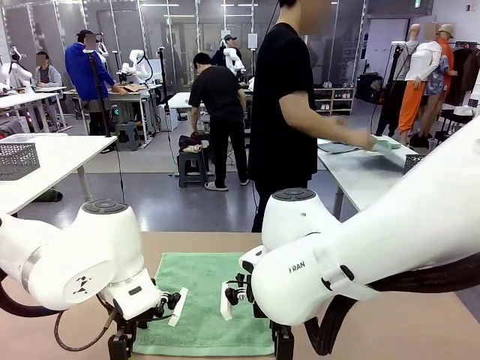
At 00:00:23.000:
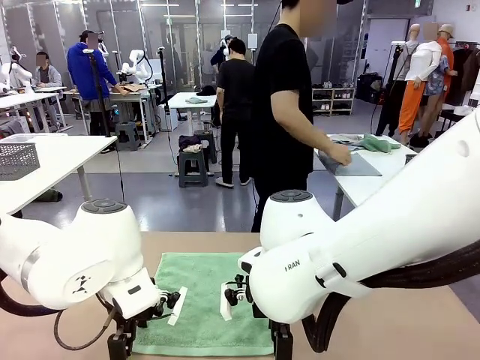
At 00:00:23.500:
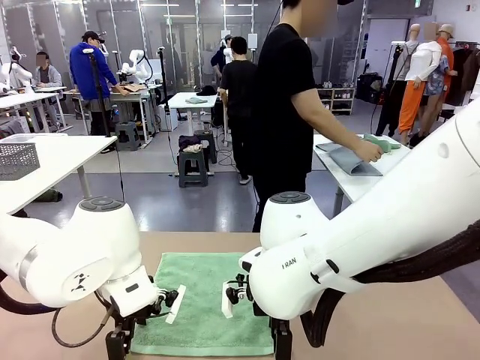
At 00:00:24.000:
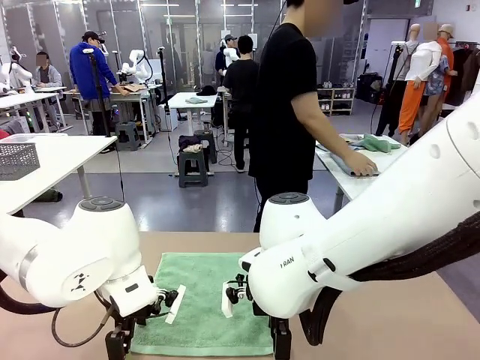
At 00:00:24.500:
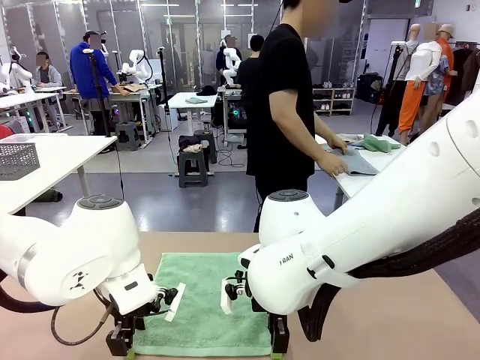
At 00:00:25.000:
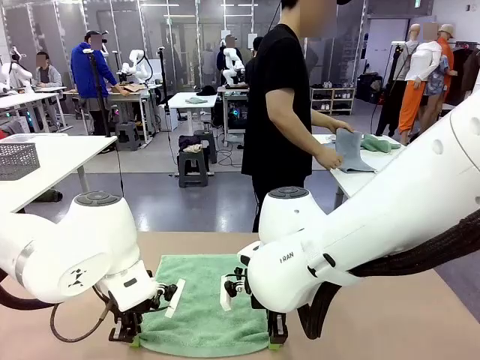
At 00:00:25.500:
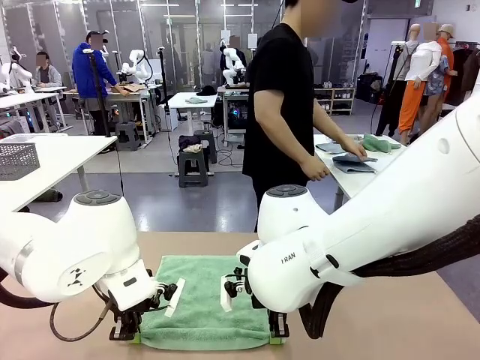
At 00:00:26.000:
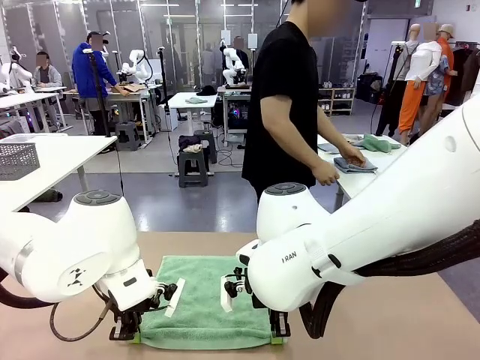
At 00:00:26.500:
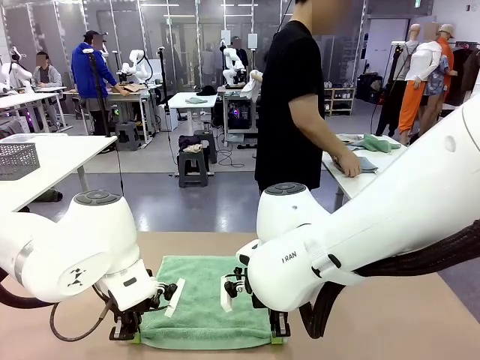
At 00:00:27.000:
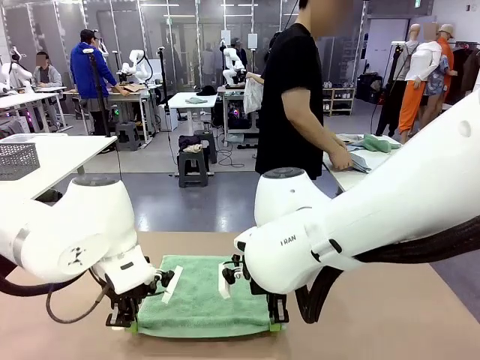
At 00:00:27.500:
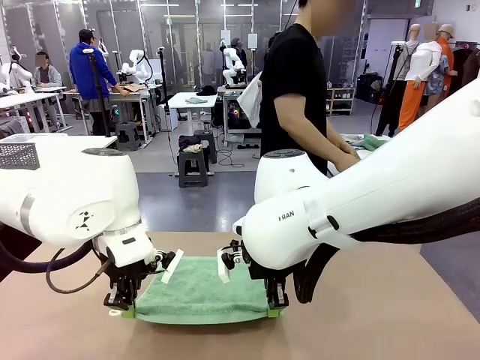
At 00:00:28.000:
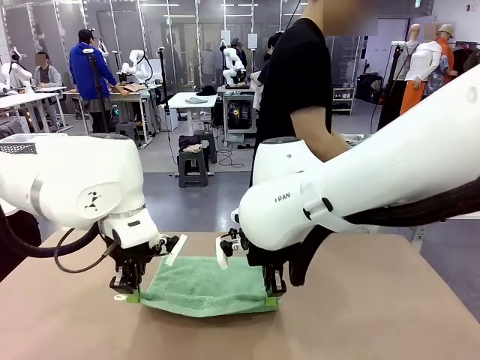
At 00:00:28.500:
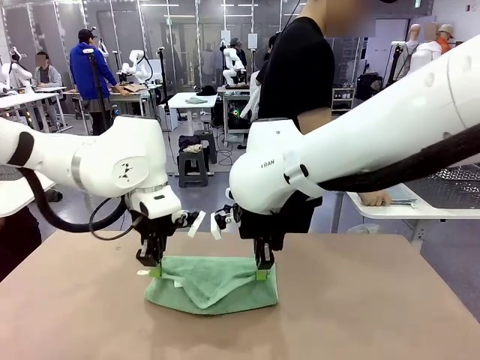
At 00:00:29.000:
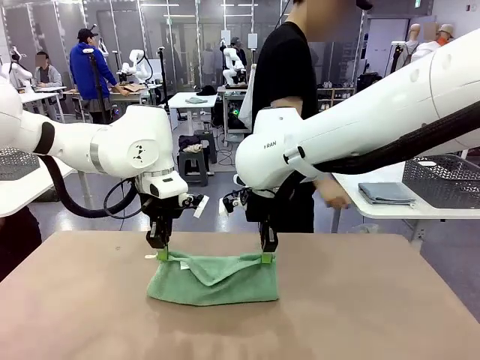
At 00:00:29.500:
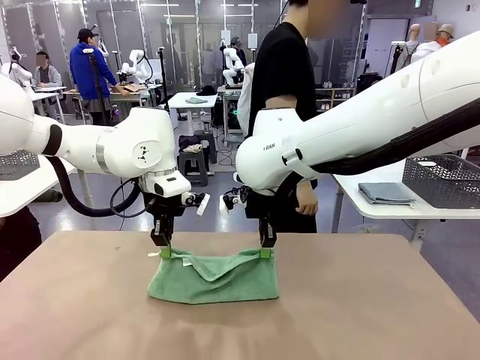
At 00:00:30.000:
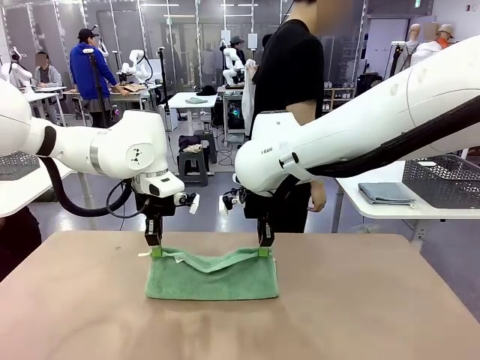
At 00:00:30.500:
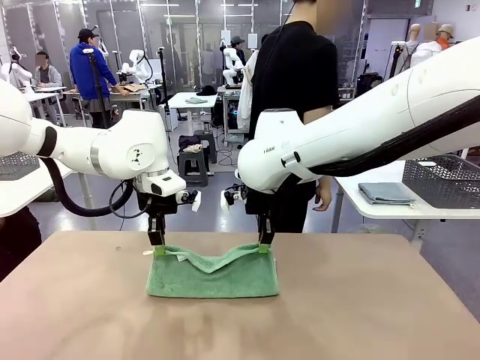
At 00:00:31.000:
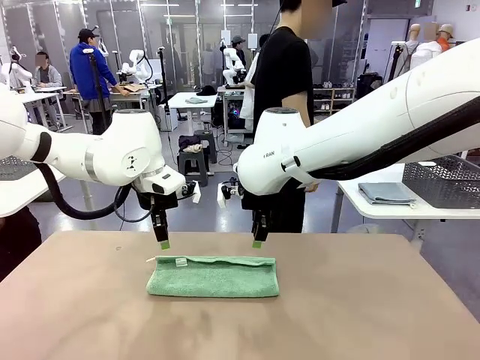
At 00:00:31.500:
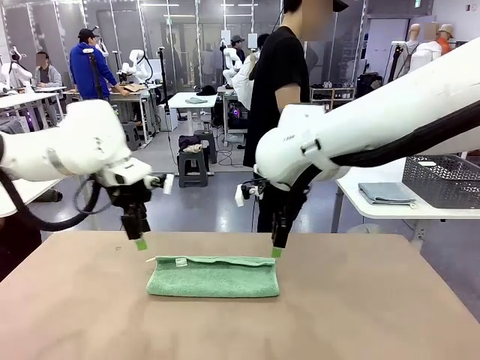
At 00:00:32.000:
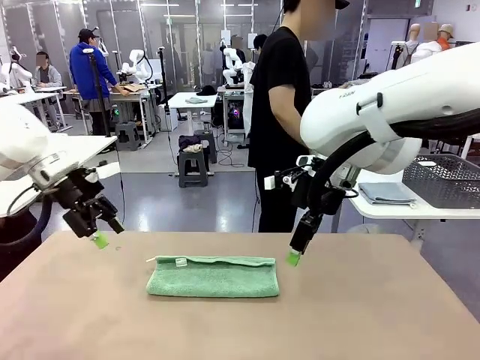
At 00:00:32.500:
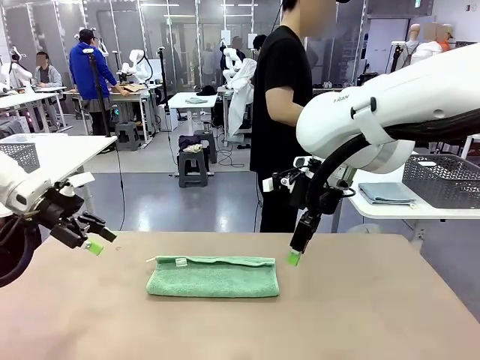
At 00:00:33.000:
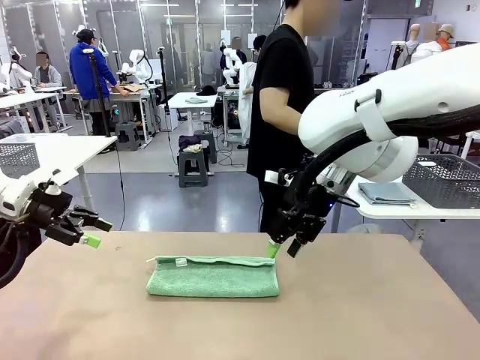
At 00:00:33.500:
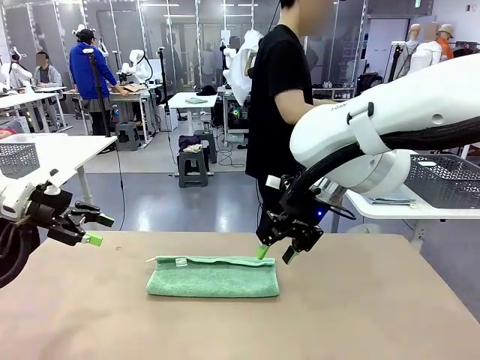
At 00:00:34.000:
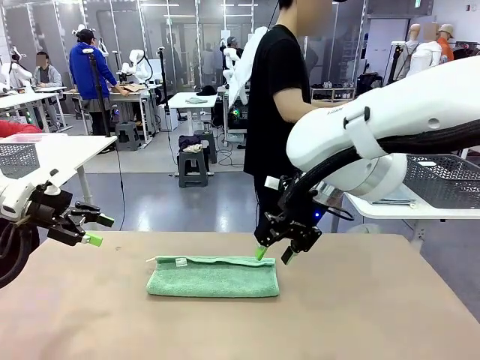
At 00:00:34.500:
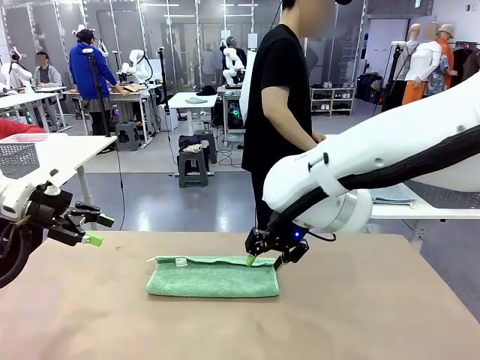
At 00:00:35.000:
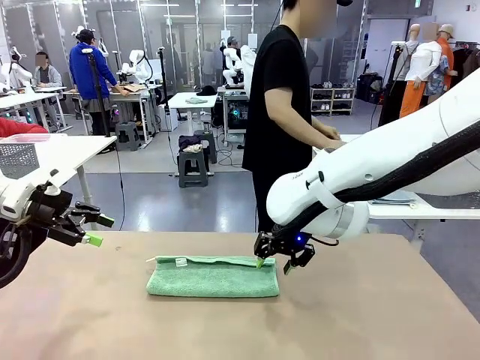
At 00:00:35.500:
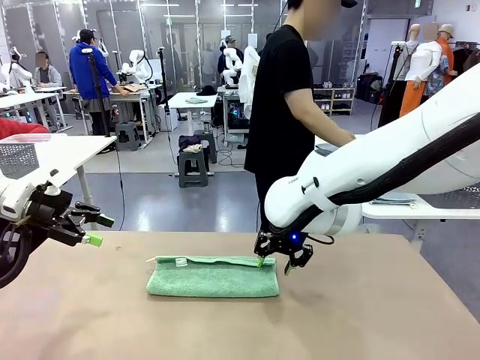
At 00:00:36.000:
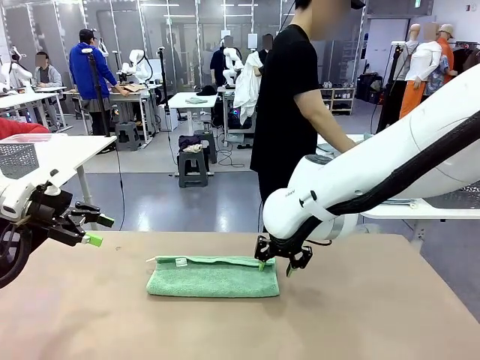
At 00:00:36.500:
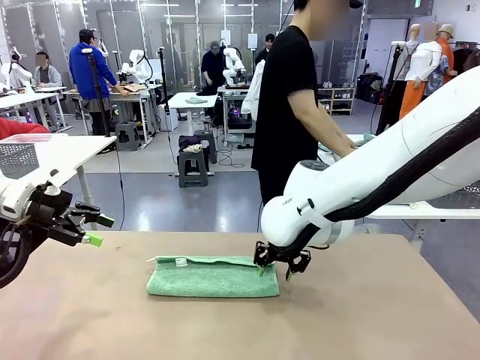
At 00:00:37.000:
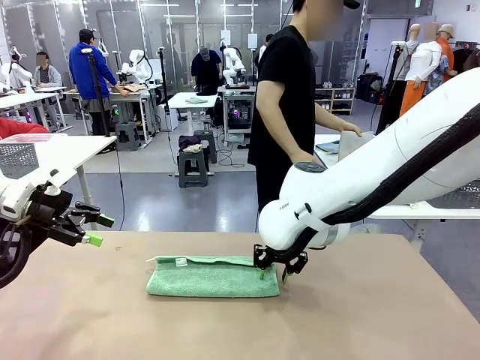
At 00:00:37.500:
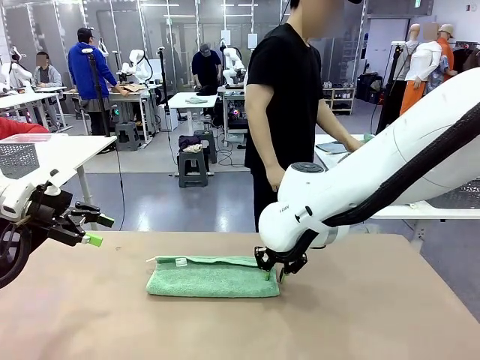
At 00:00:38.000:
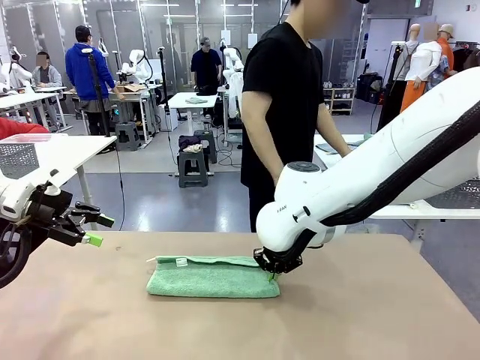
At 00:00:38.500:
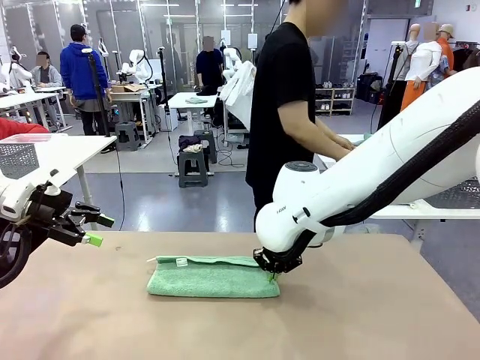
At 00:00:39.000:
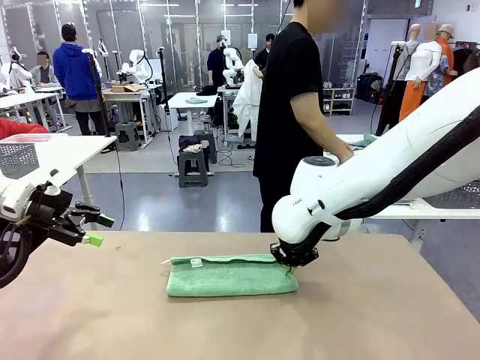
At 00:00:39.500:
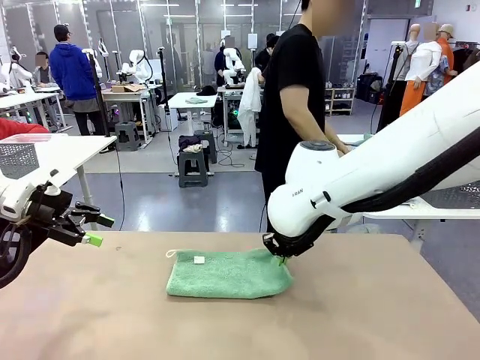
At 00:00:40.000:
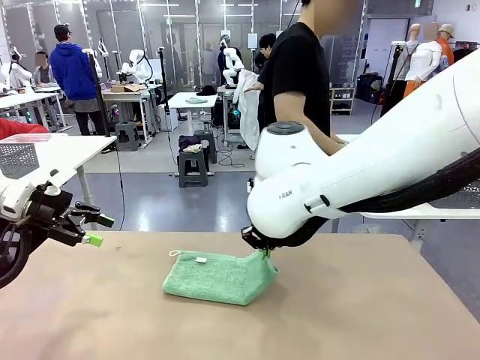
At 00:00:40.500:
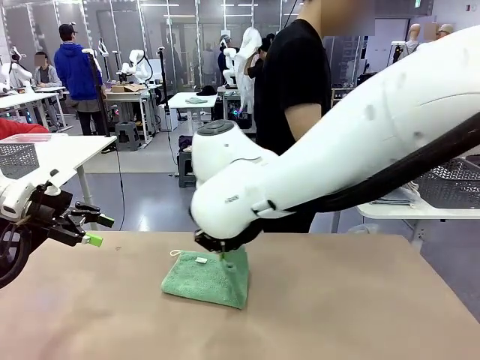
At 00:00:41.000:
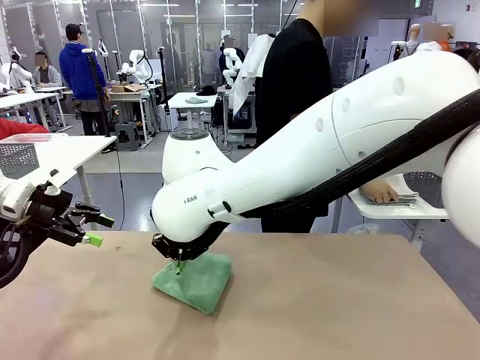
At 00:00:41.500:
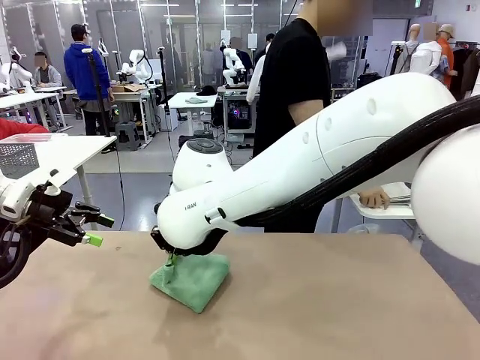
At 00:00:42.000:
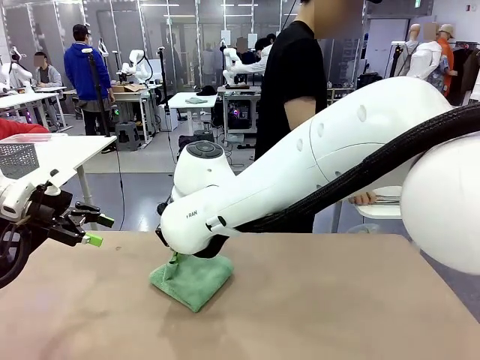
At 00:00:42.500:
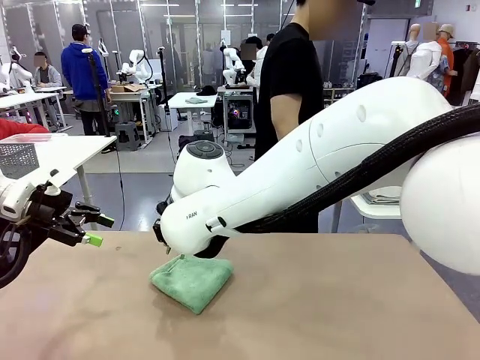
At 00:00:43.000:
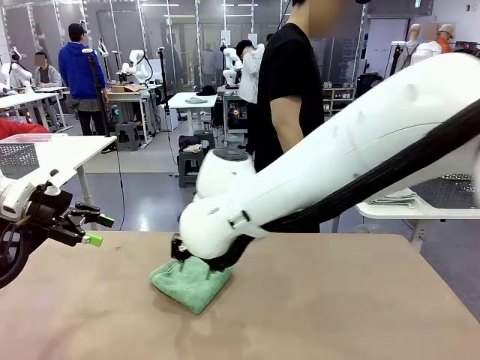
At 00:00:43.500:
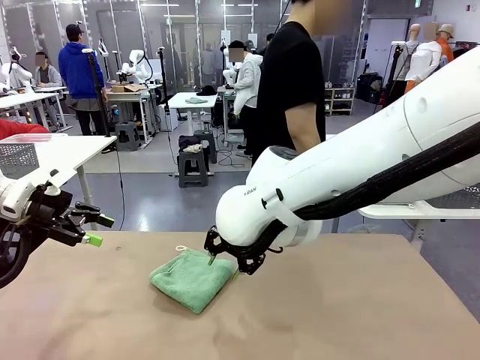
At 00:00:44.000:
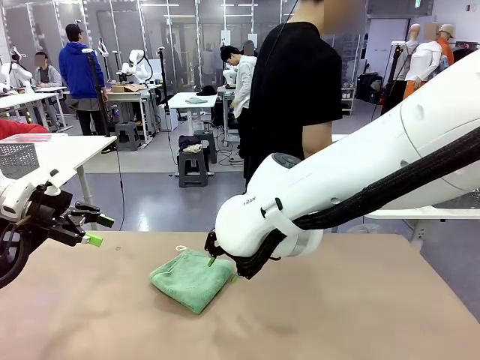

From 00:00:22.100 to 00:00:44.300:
Task: Fold the towels and place them in the basket.
Robot: When a person lays out a Towel with hook on the table, fold it in half twice.
Person: Pick up one towel from the left side of the human table, fold it in half twice, and place it on the right side of the table. Pick up one towel from the left side of the human table, fold it in half twice, and stack it on the right side of the table.
